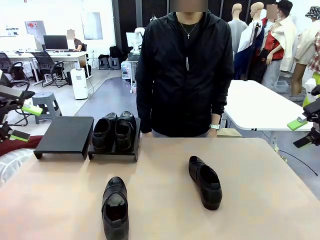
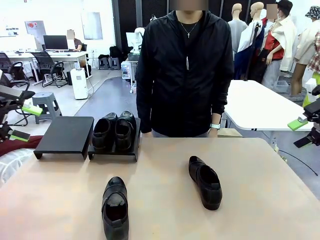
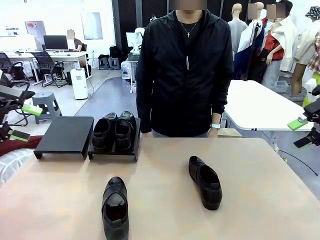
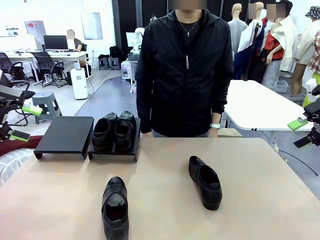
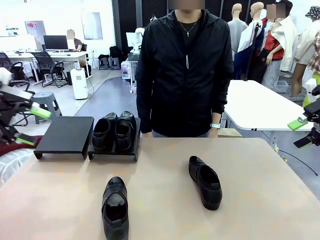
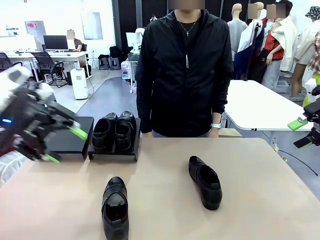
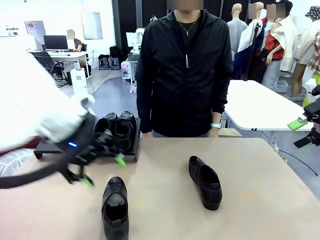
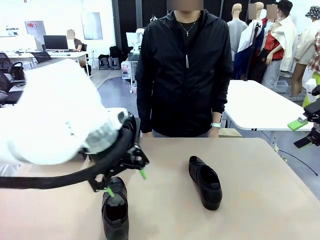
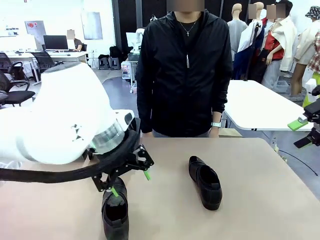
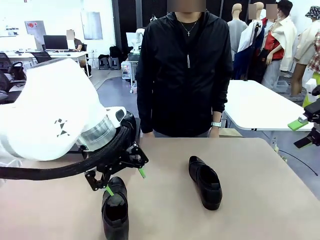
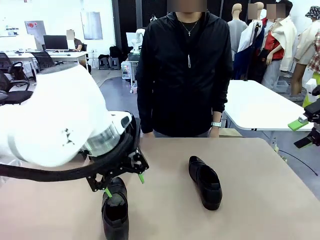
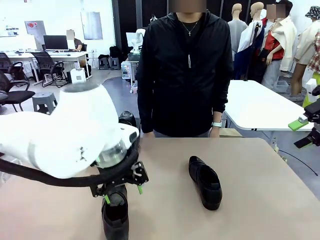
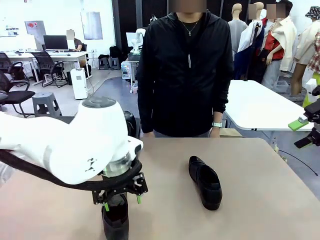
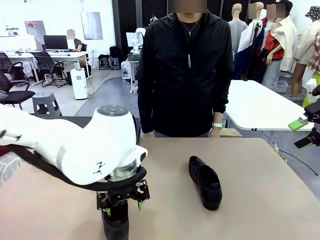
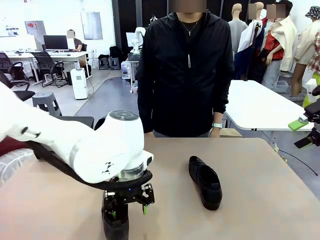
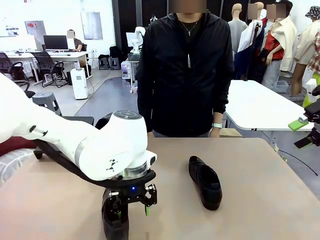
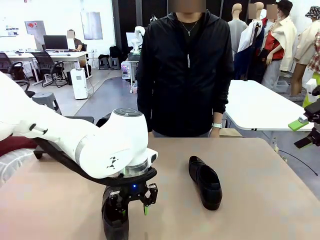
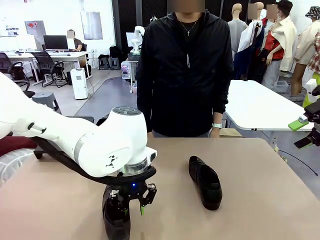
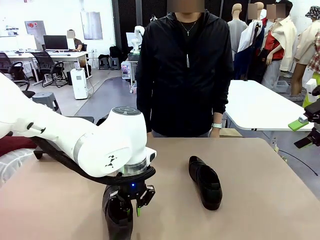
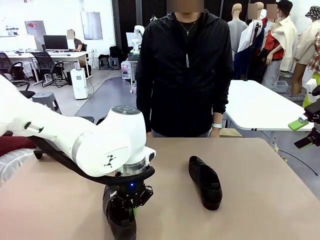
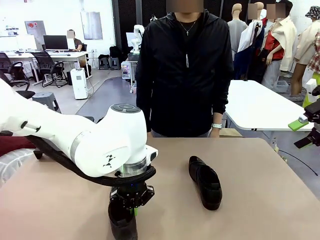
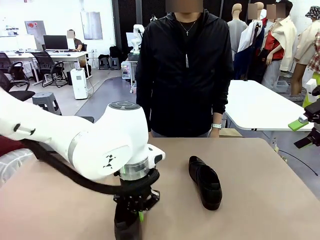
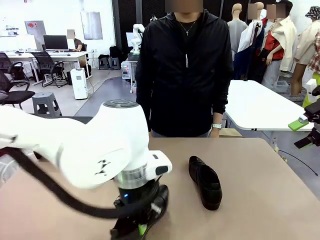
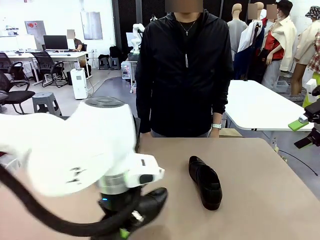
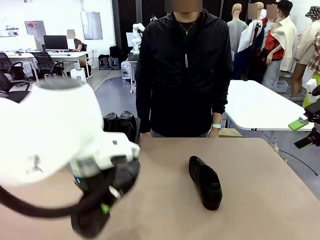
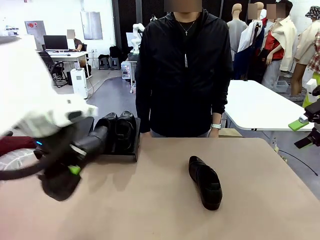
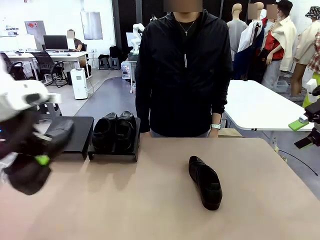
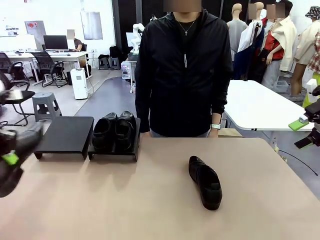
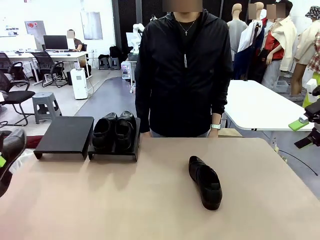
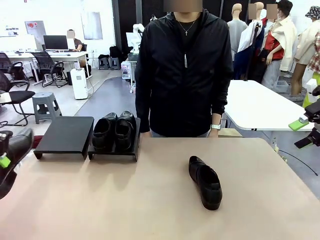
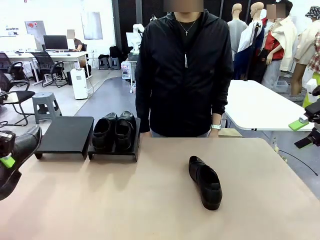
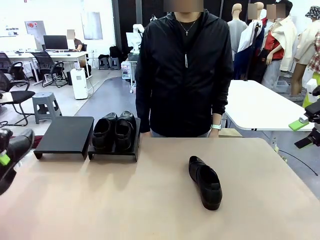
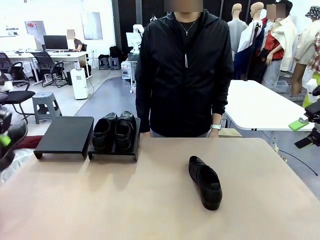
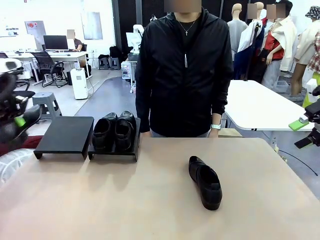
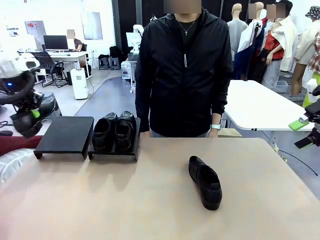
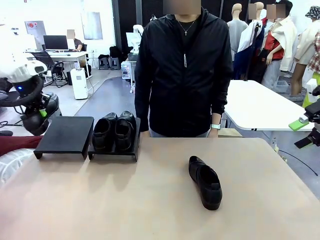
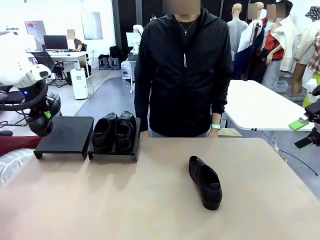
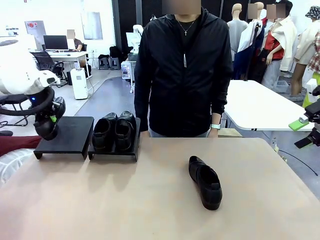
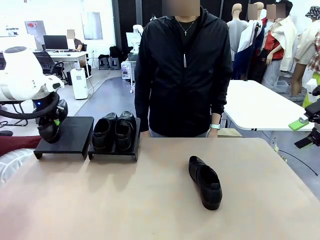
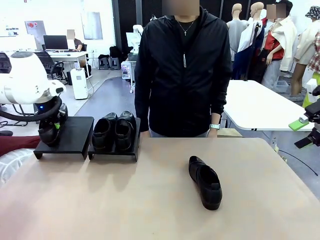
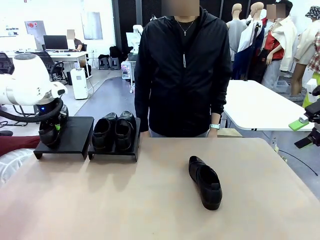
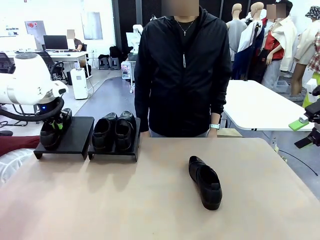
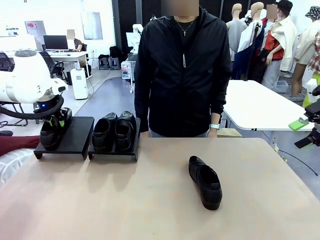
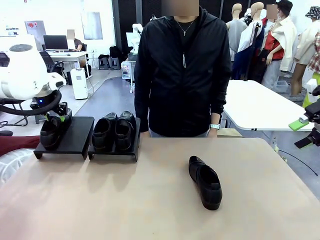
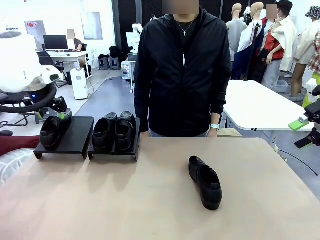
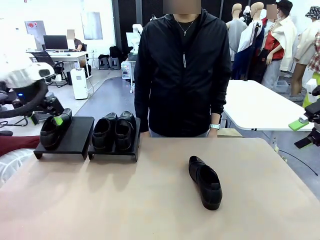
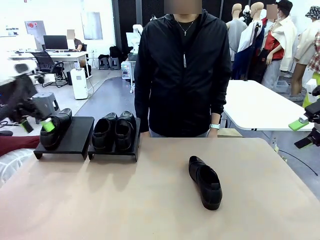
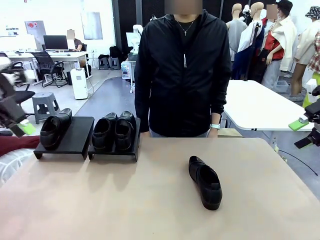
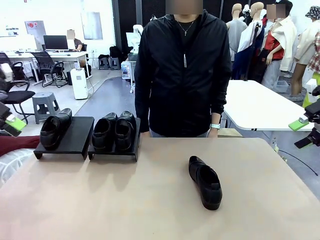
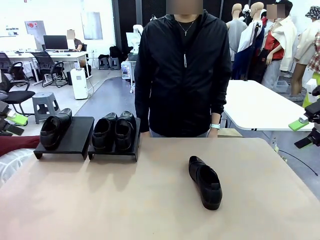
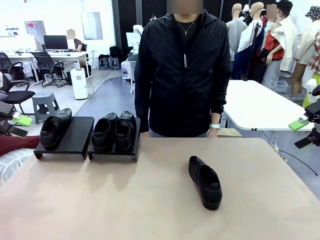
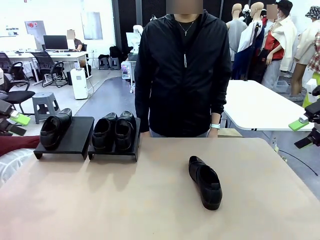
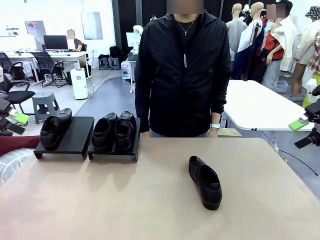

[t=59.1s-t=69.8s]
Task: Organize the shoes by placing them on the stand.
Robot: Place the Shoe from the middle of the table onto the Shoes Stand.

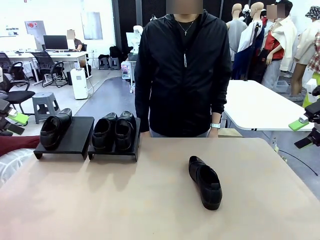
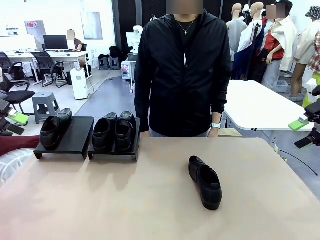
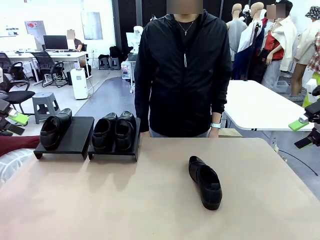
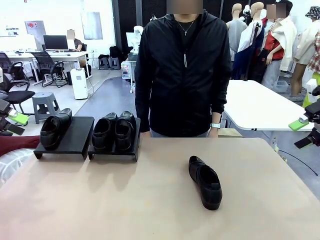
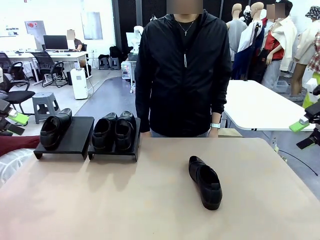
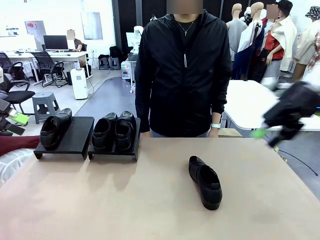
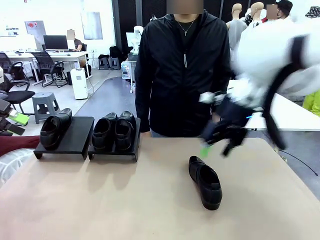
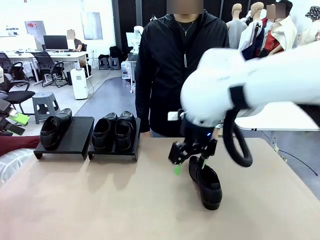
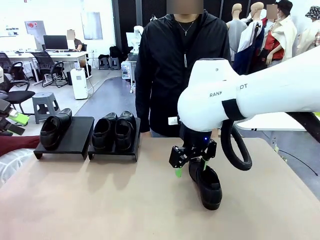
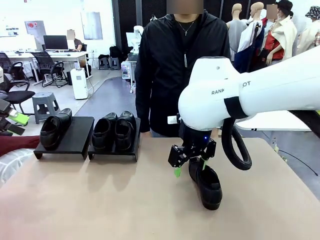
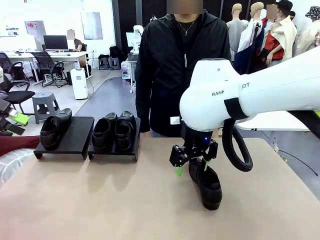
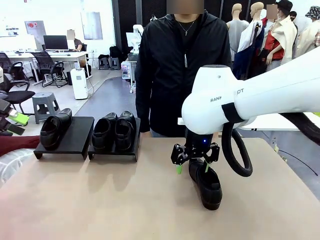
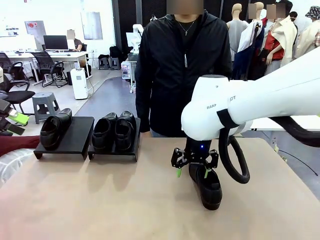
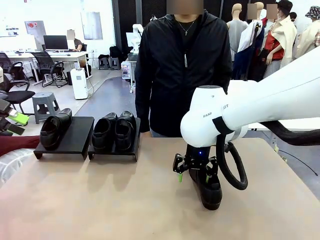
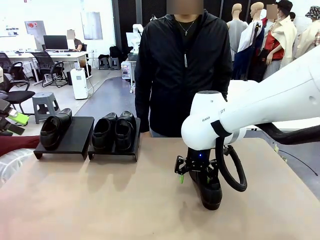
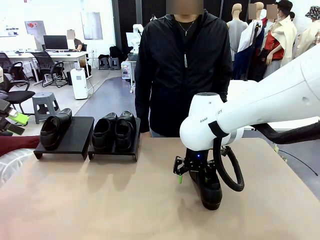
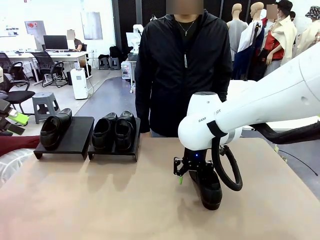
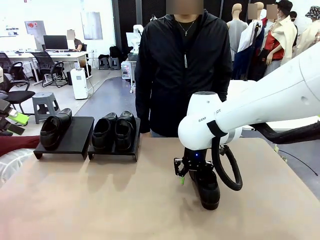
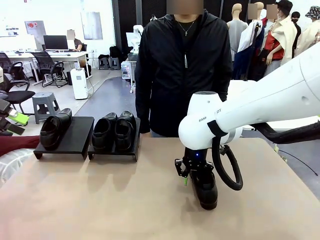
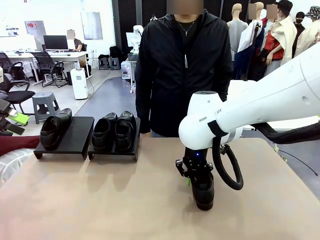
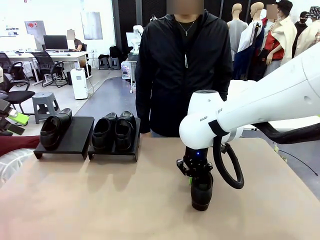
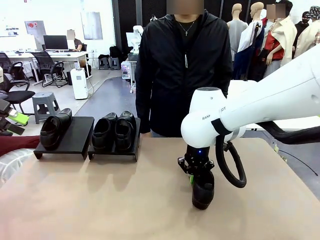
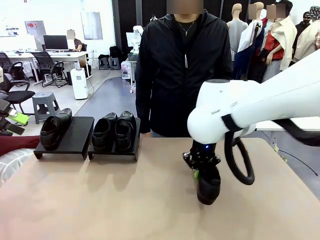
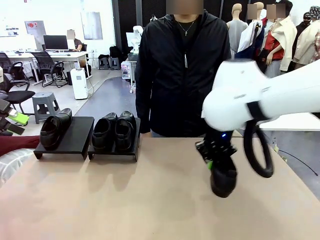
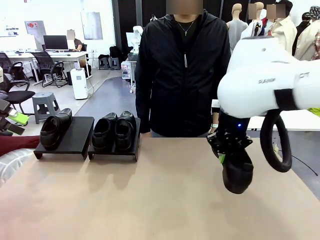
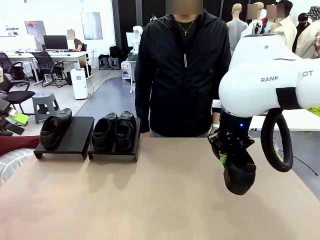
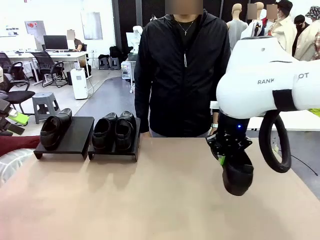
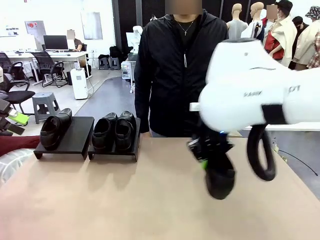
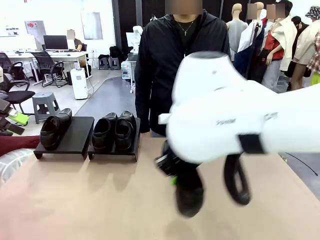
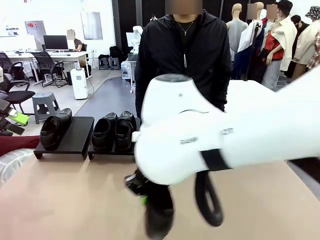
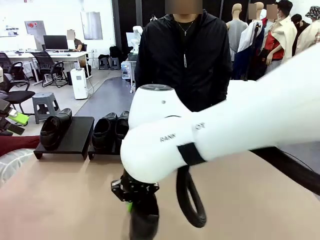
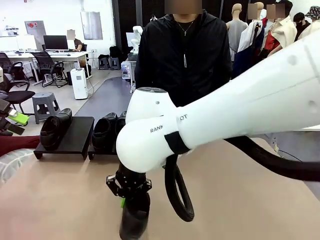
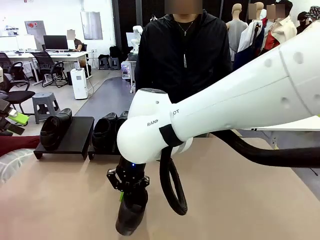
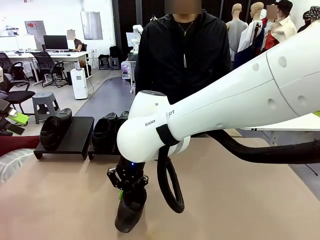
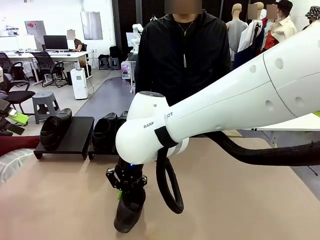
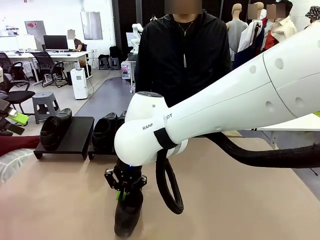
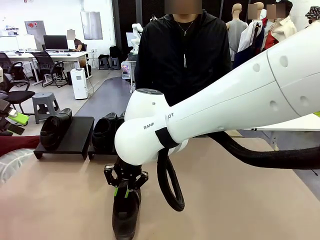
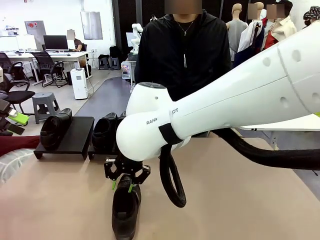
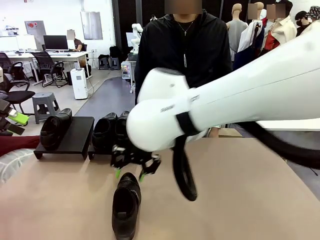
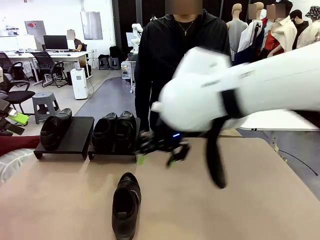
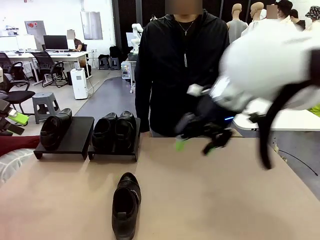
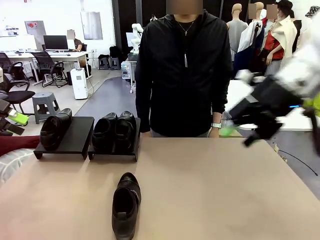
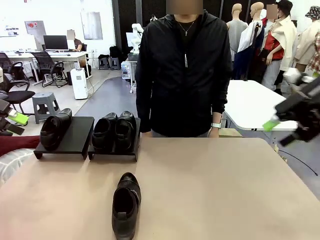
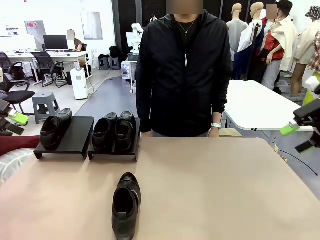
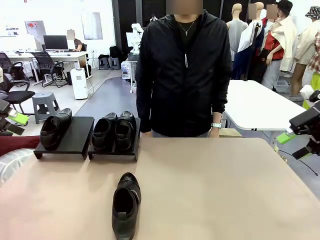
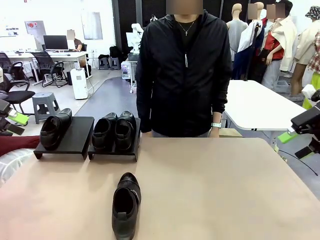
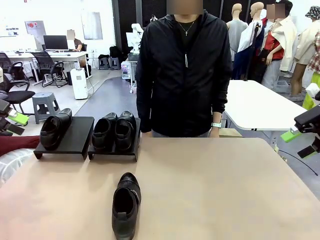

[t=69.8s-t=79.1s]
Robot: Pick up one Shoe and place it in the middle of the table.
